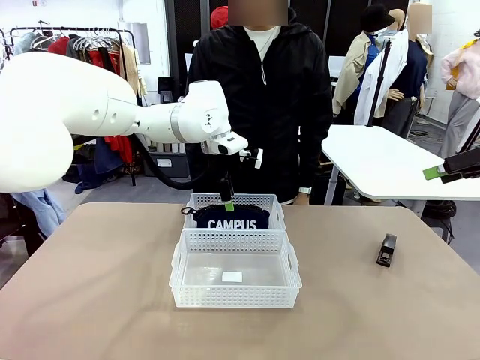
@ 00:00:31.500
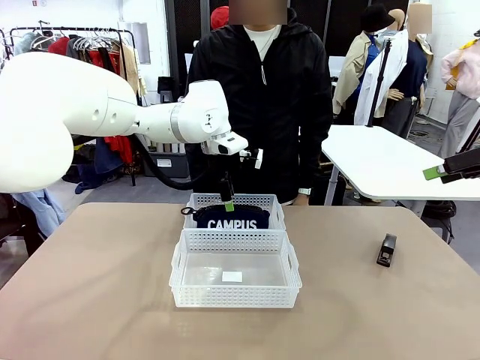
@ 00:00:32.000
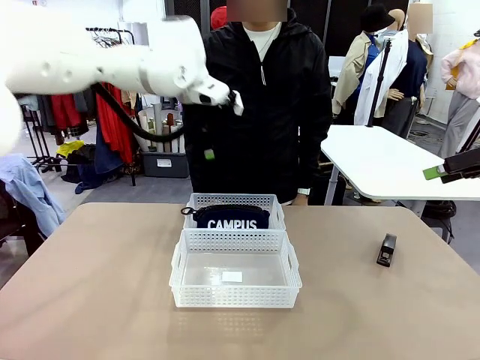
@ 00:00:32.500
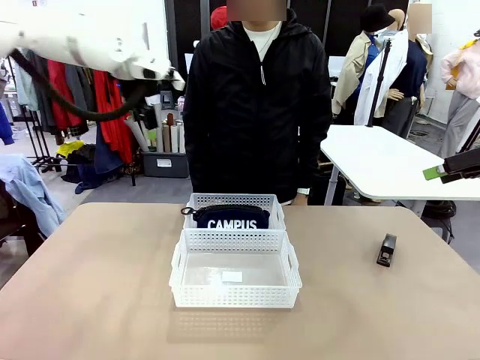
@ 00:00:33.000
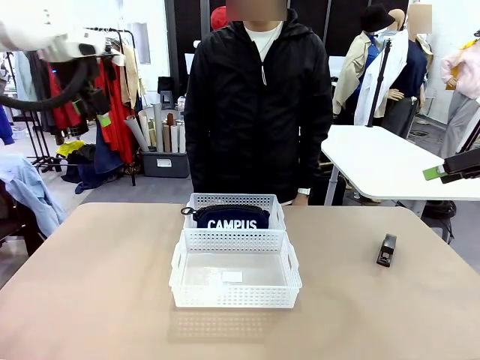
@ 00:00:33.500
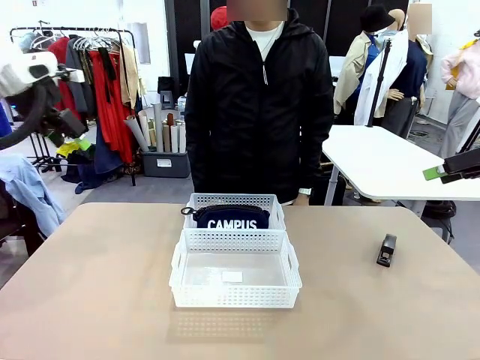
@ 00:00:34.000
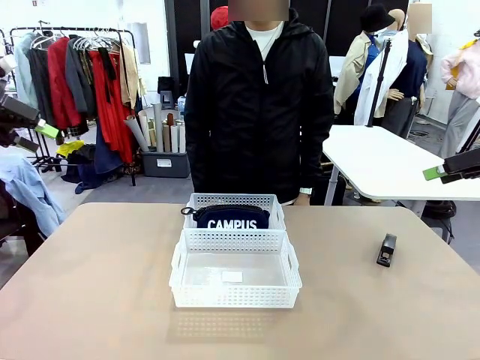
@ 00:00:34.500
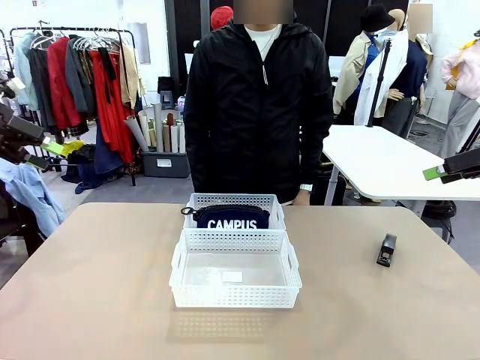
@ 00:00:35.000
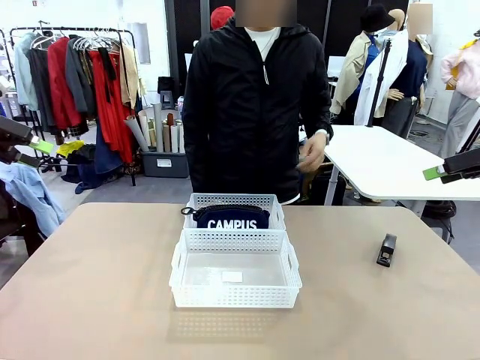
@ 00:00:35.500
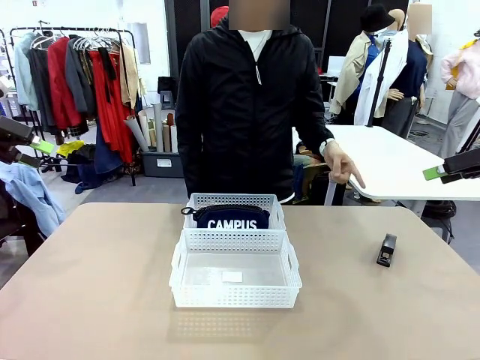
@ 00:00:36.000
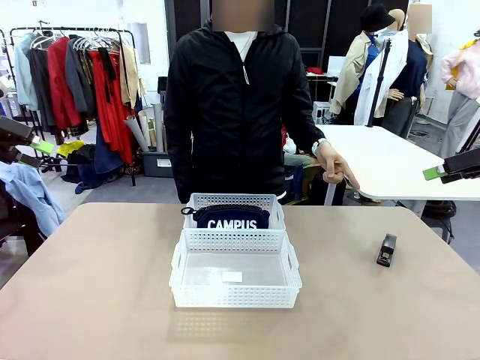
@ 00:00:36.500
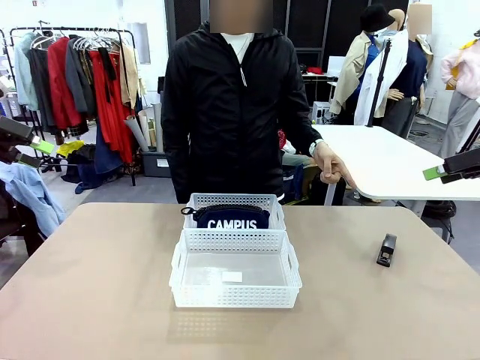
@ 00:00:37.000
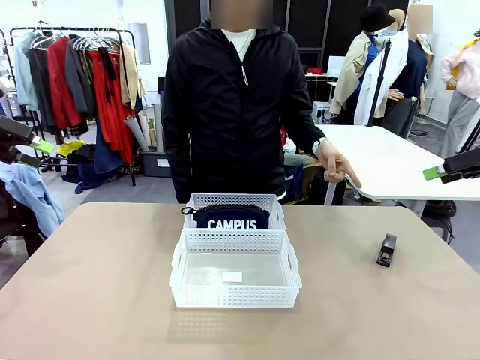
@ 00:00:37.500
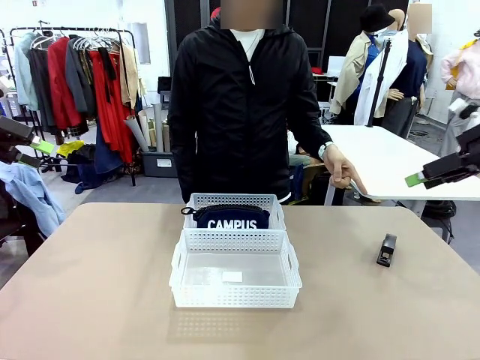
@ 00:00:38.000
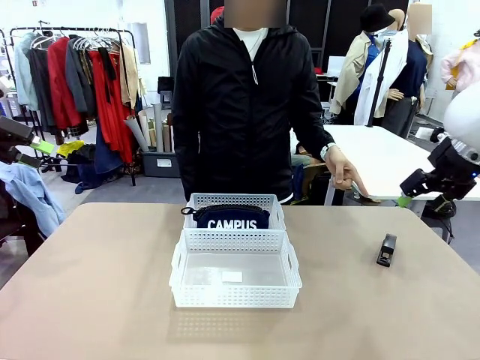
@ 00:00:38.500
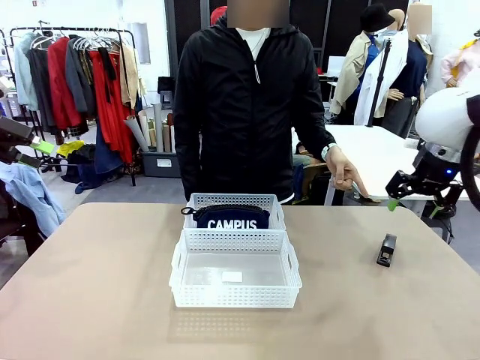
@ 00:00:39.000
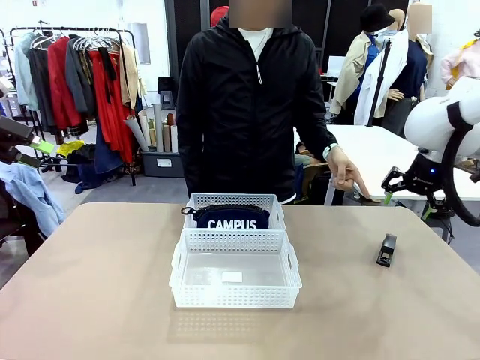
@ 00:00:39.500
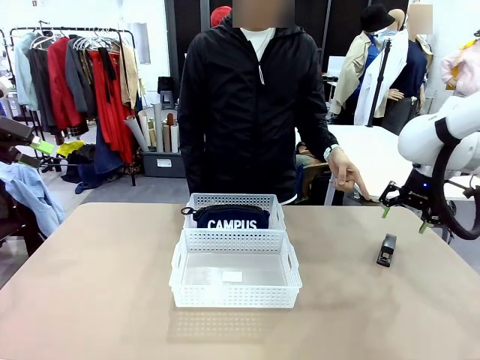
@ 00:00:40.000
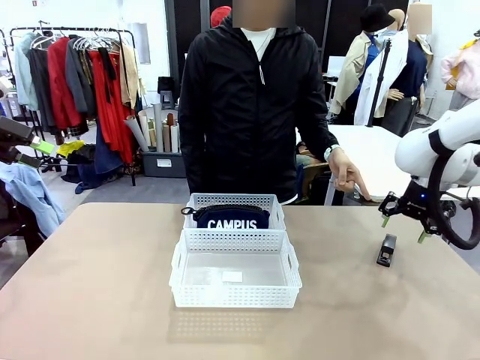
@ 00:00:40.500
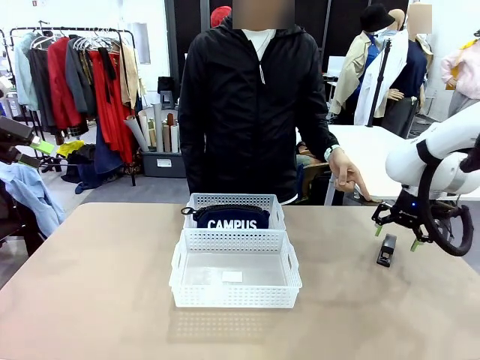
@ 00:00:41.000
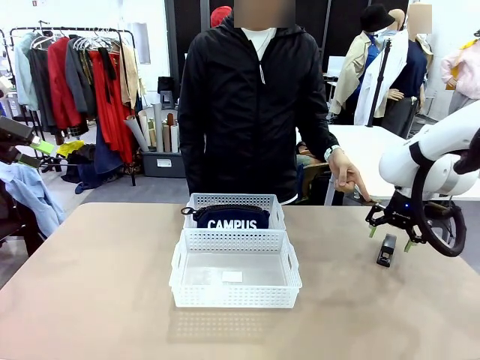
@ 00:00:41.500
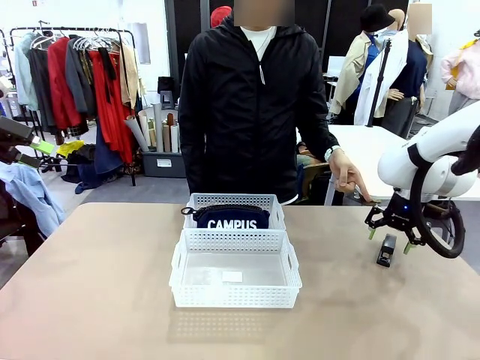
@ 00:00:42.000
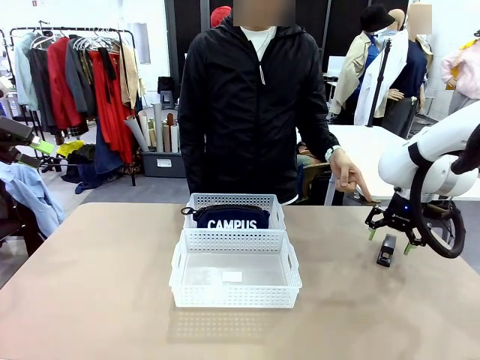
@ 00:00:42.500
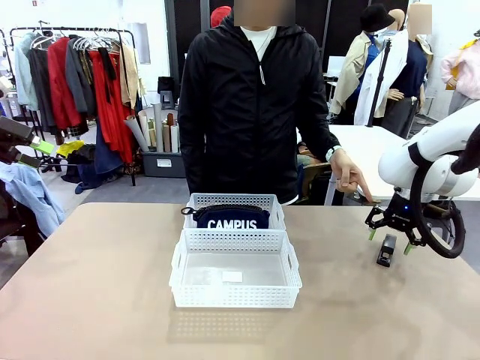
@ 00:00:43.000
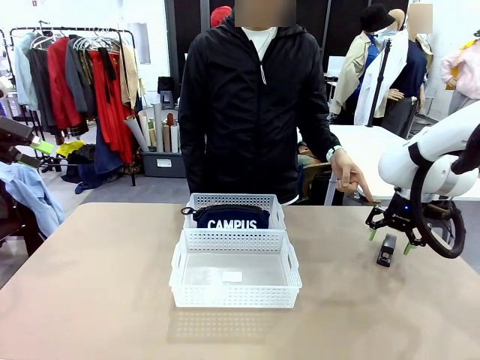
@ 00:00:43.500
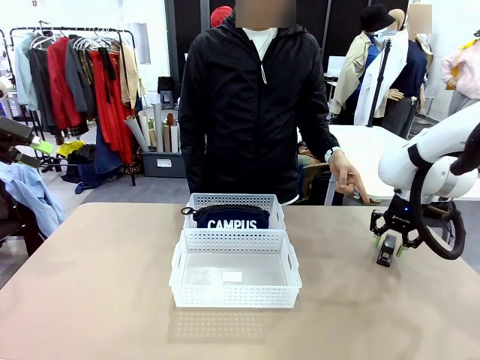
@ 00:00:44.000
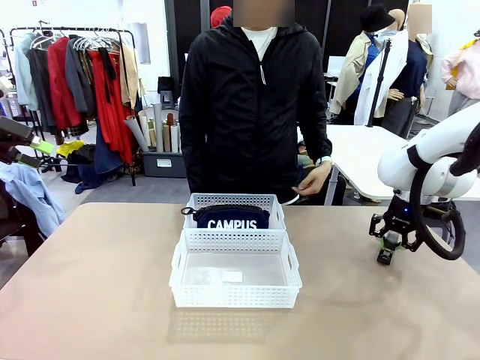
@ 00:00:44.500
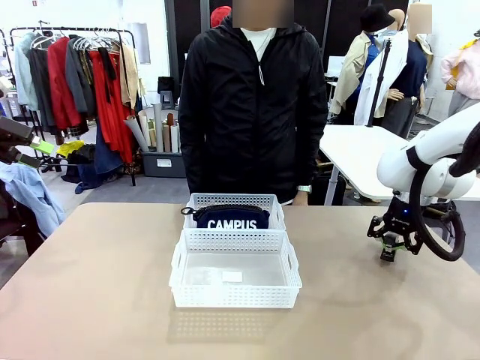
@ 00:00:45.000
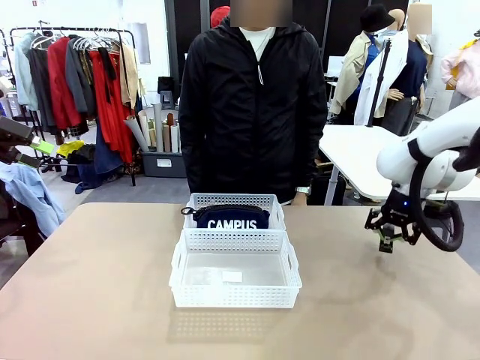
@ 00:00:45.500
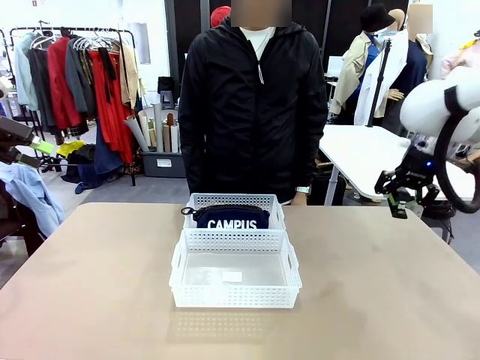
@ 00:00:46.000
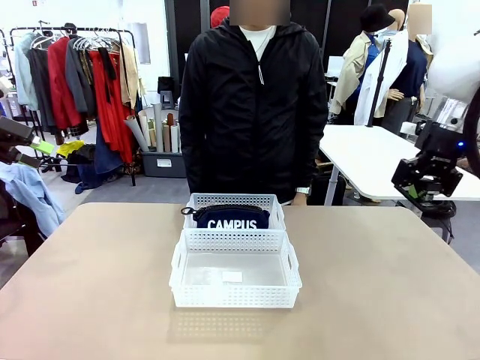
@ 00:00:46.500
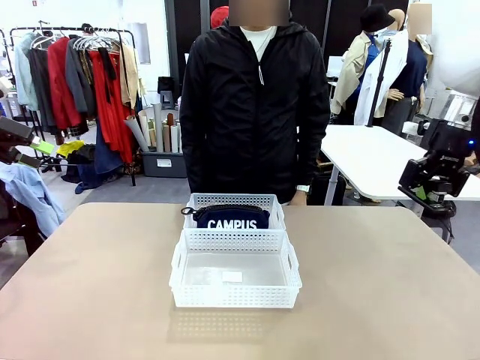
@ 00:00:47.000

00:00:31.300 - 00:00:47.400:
Task: Distribute items into two baskets.
Robot: Pick up the Stapler that the person points to.

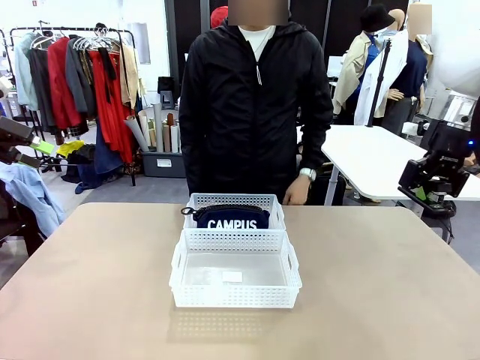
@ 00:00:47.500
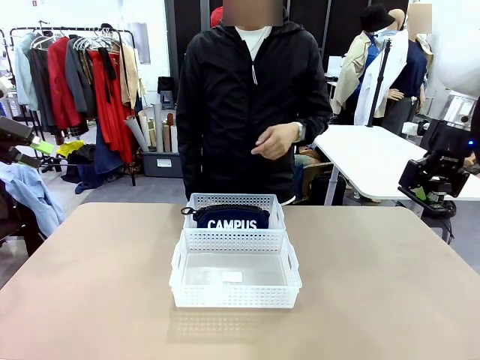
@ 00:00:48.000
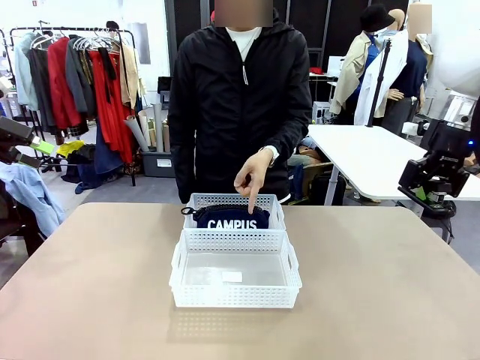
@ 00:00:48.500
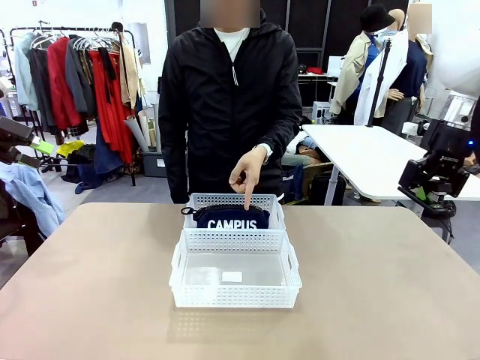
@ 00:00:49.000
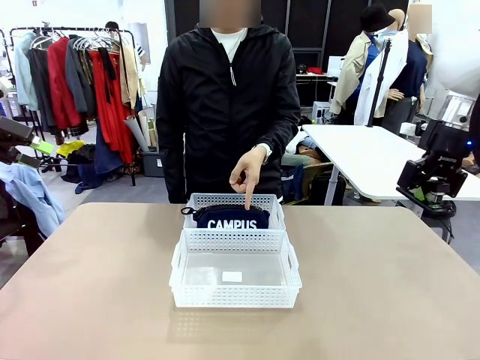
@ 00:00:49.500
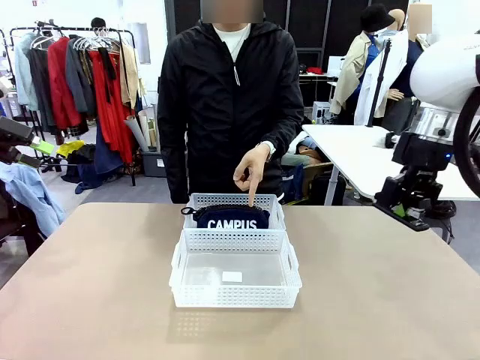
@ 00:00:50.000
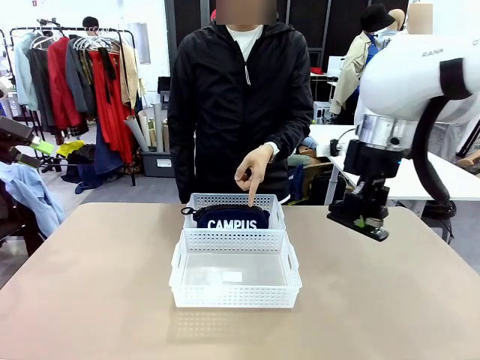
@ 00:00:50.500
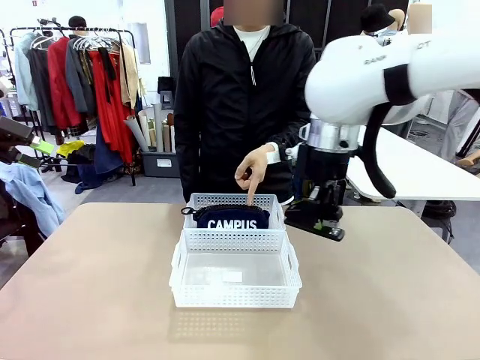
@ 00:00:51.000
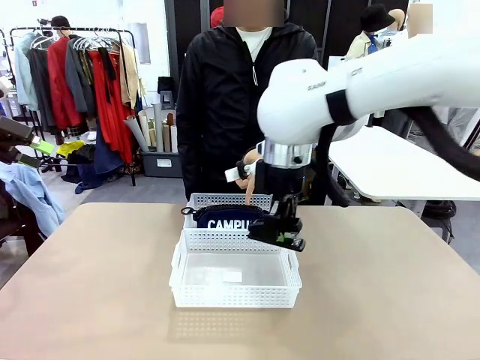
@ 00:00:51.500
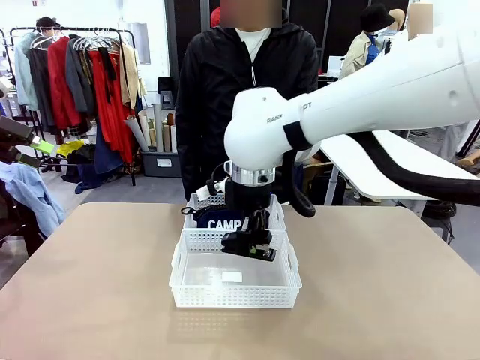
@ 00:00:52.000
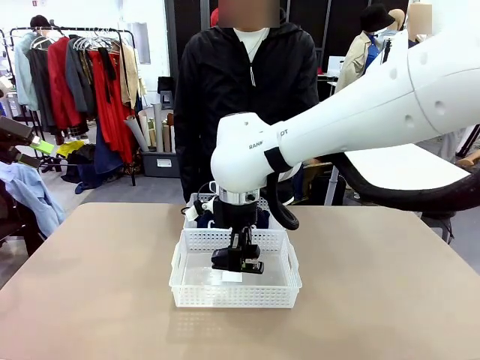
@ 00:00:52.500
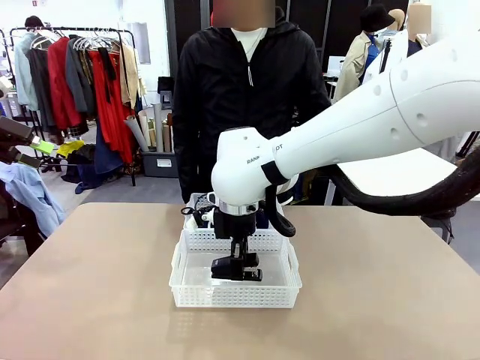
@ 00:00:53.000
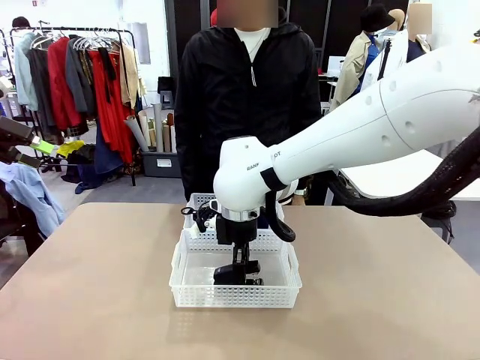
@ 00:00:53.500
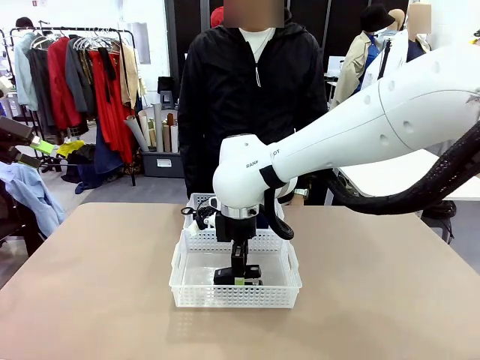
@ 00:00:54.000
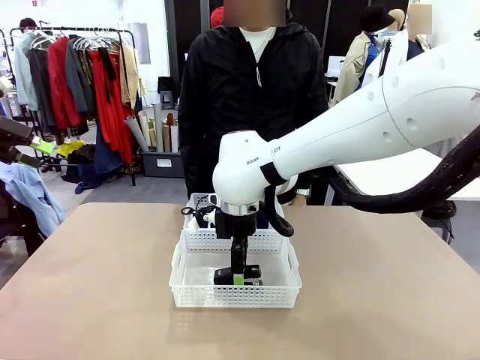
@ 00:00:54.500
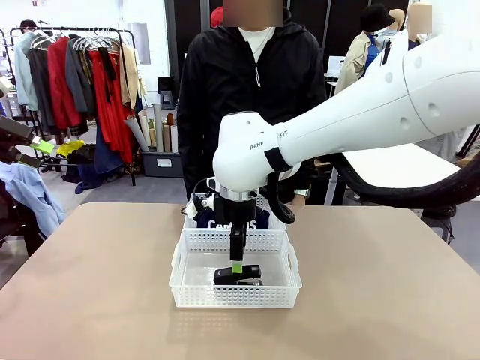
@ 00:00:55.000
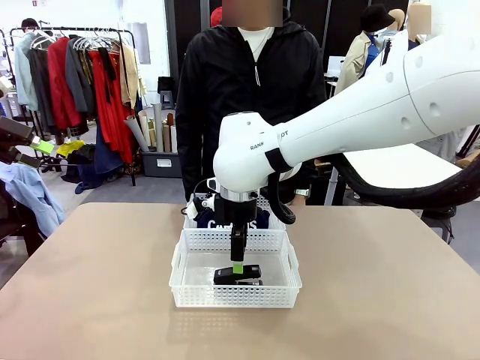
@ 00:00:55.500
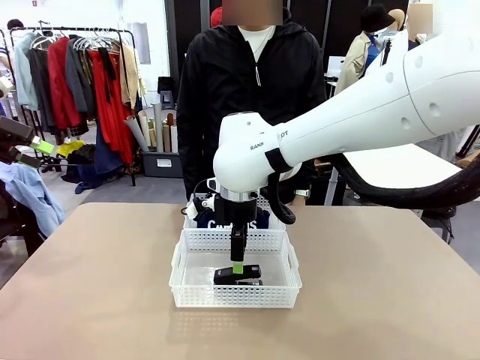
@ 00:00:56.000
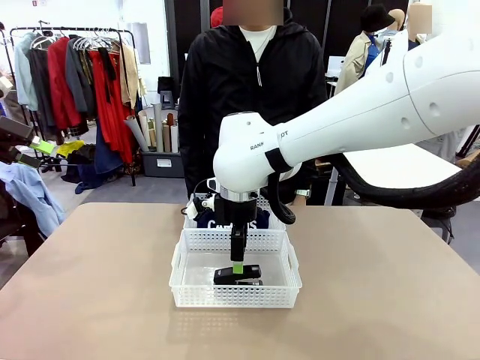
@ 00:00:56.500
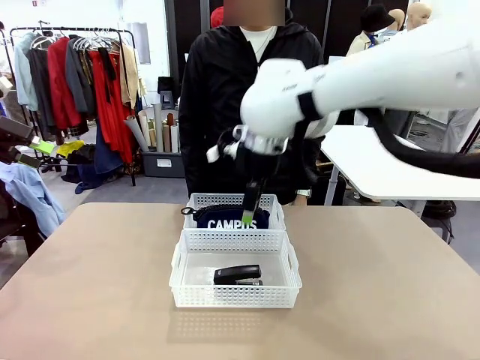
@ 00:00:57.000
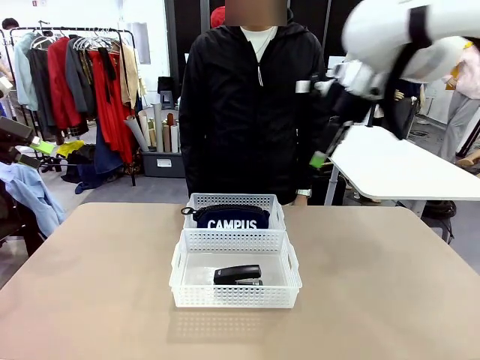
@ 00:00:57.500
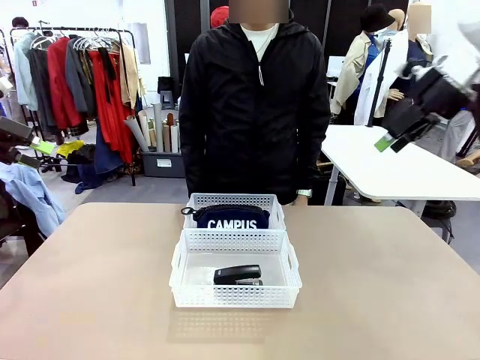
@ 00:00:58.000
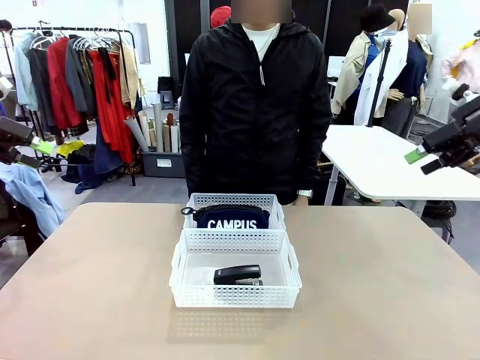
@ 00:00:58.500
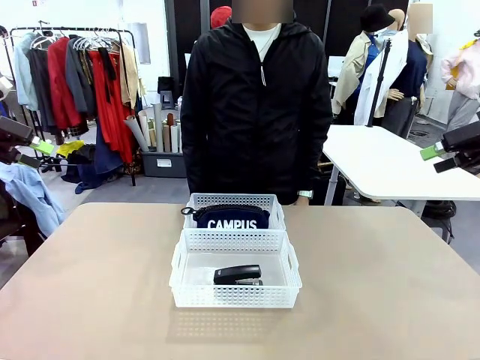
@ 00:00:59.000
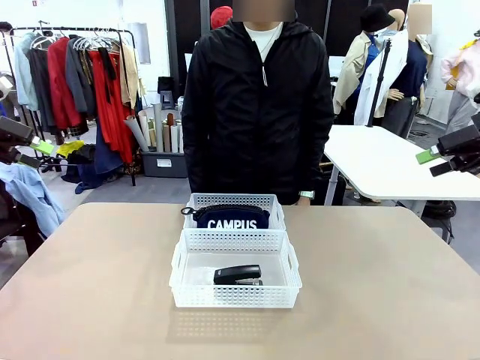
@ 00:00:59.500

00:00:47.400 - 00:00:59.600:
Robot: Place the picked Stapler into the Organizing basket as instructed by the person.
Person: Points to the basket that does not contain the pencil case and instructs the robot to move the stapler there.
